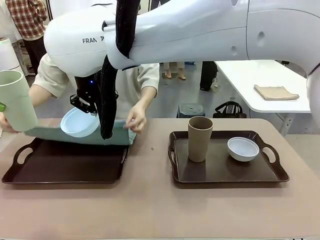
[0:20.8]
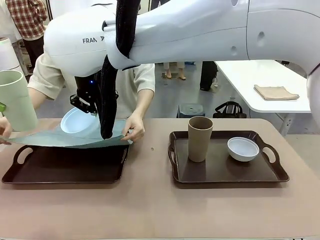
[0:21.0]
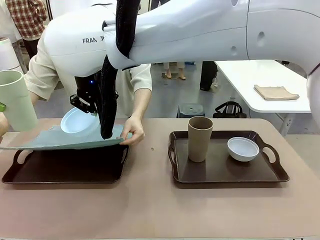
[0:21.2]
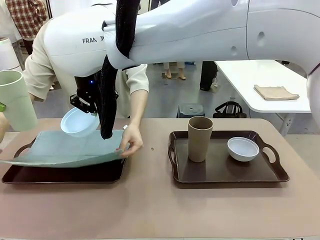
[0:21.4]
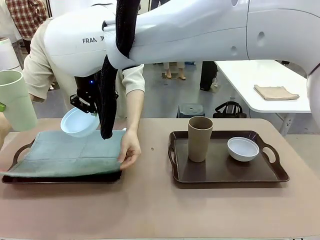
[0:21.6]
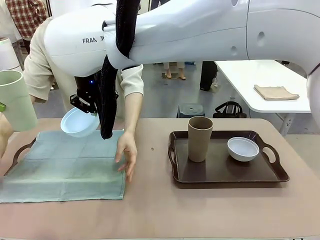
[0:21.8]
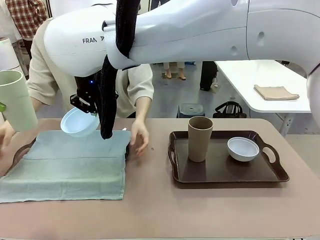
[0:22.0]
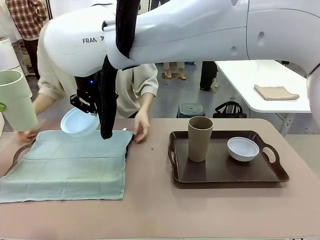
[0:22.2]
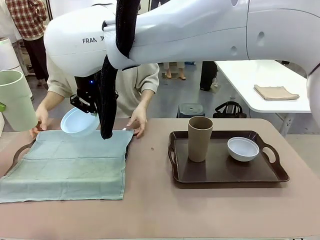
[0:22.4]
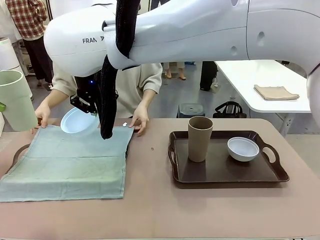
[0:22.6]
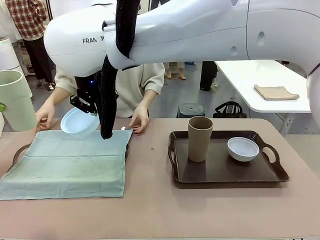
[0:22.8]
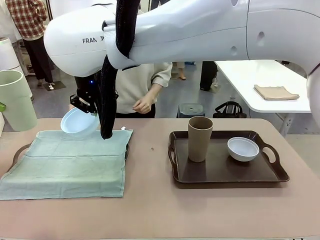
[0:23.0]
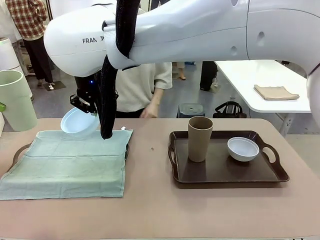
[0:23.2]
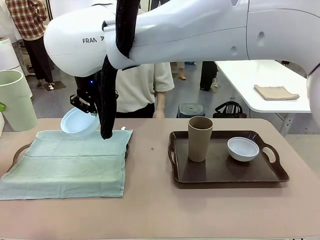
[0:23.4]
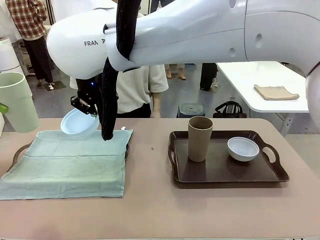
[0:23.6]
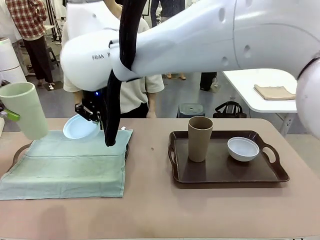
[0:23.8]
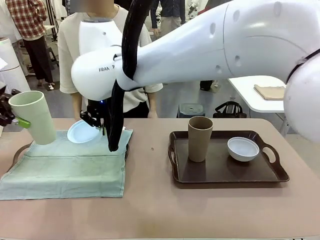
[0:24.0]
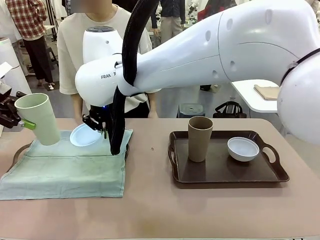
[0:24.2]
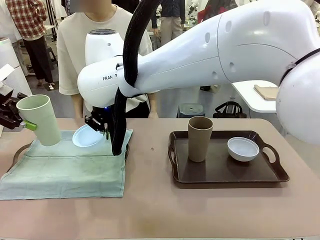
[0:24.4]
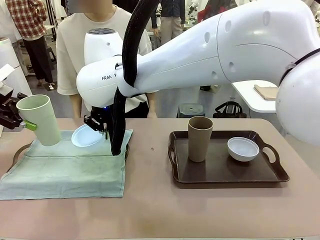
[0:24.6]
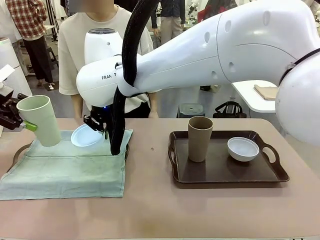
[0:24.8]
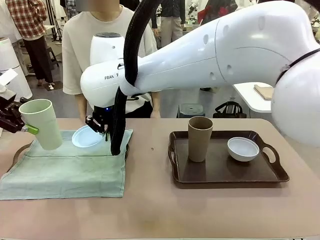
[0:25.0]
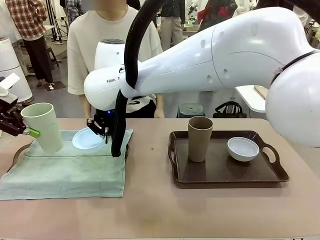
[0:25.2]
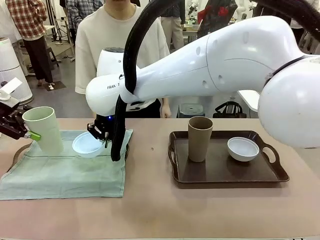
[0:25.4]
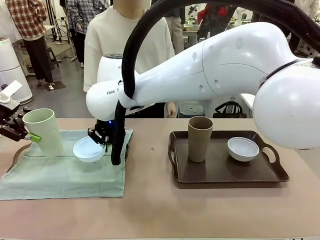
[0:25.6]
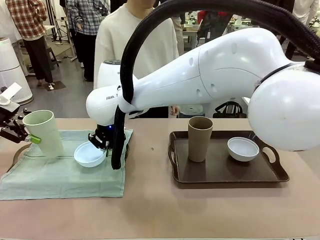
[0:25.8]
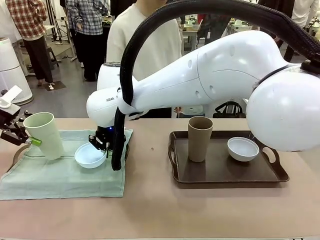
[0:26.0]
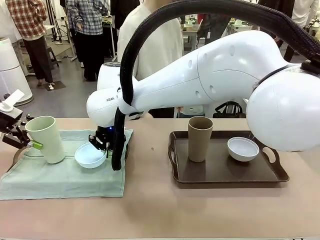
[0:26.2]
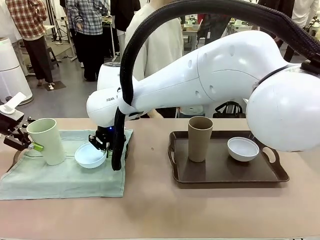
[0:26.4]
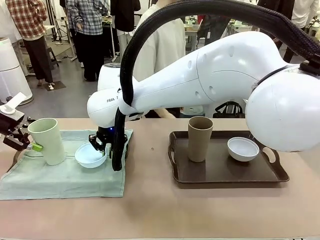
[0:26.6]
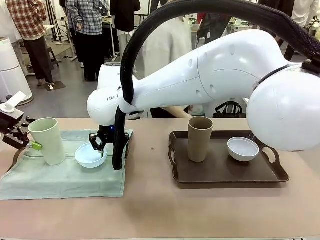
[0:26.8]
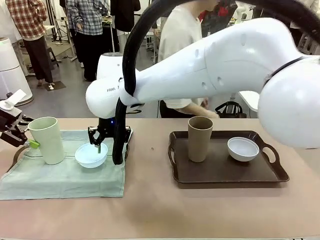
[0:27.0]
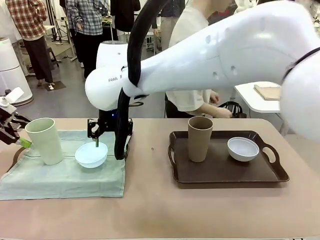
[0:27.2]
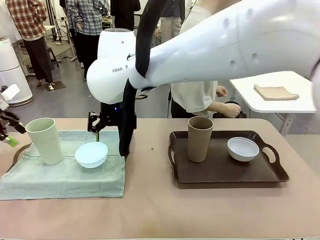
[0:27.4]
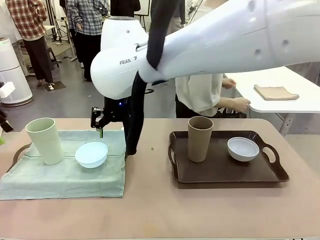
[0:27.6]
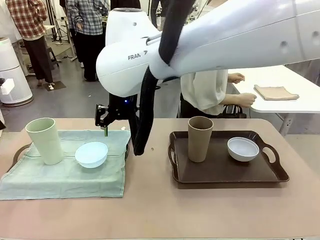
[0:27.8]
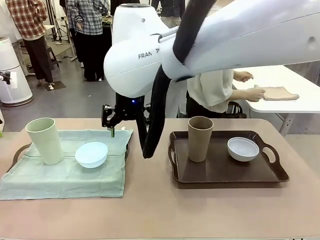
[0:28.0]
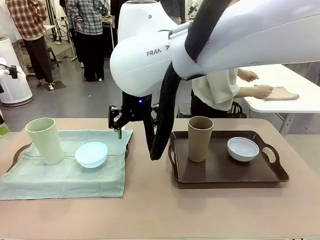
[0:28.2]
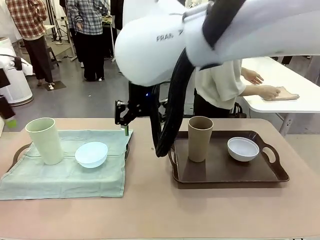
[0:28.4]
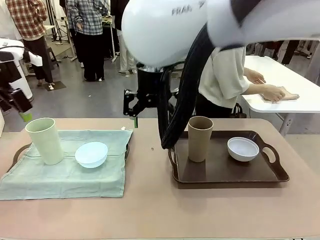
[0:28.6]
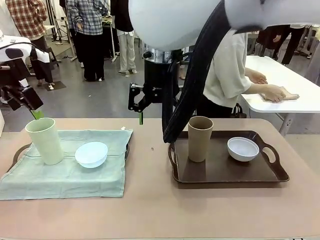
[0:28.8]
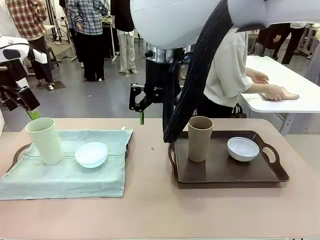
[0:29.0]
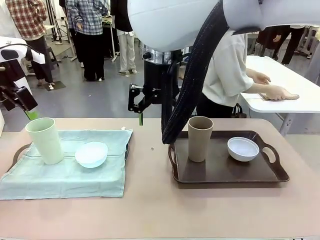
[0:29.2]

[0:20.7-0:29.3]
Robot: Place the Picnic Bowl and Reusable plastic cup back onto the Handle tray in front of the human's position.
Person: The human returns to the human table to pick up another napkin and walks to the robot table to stand in front of the tray without a napkin.

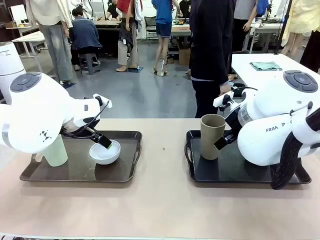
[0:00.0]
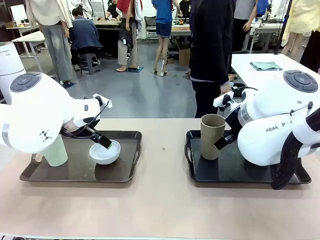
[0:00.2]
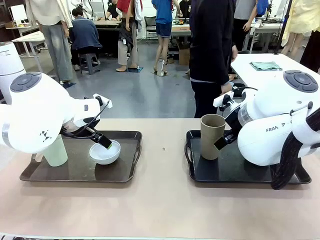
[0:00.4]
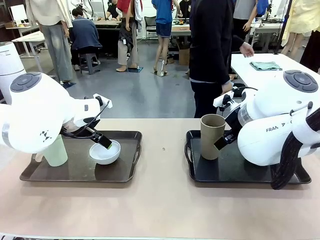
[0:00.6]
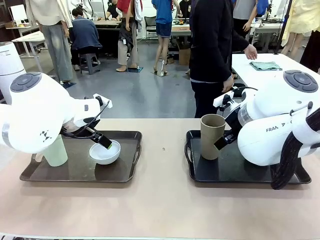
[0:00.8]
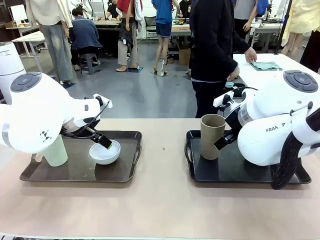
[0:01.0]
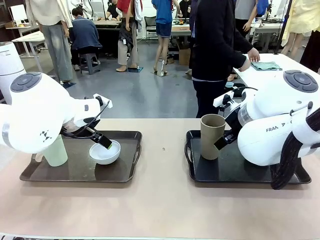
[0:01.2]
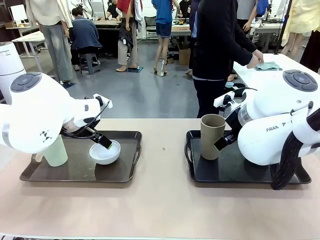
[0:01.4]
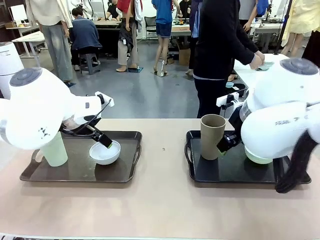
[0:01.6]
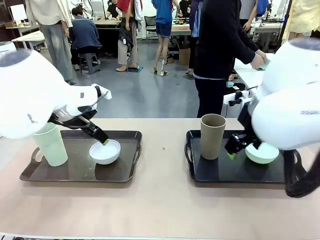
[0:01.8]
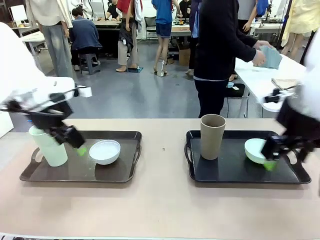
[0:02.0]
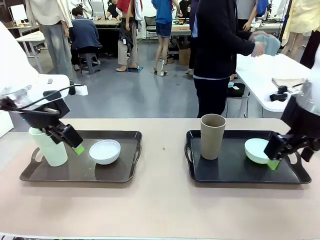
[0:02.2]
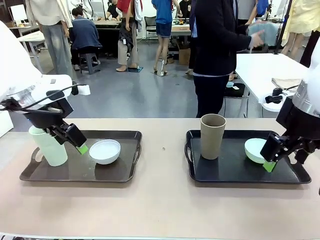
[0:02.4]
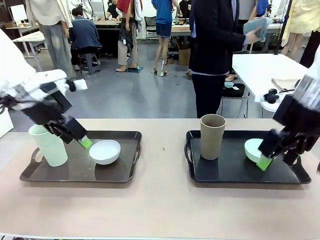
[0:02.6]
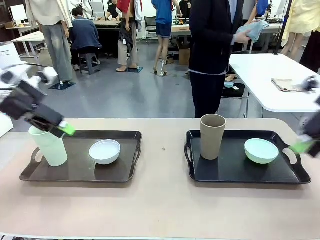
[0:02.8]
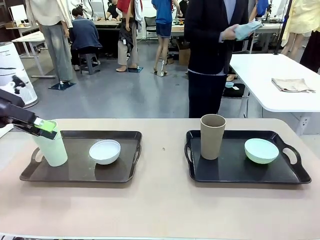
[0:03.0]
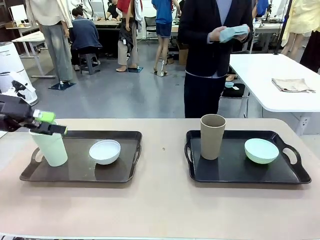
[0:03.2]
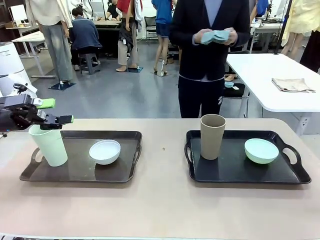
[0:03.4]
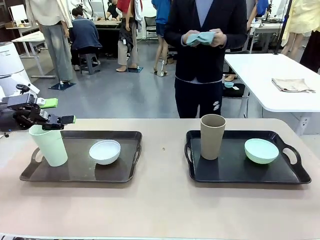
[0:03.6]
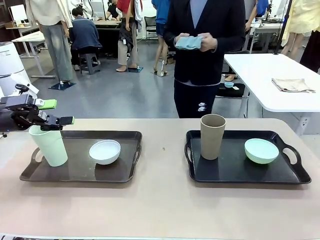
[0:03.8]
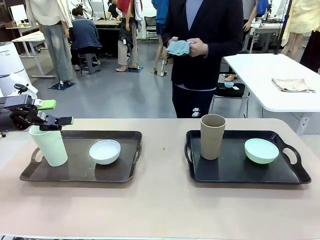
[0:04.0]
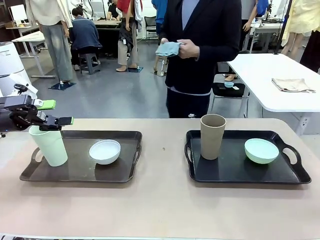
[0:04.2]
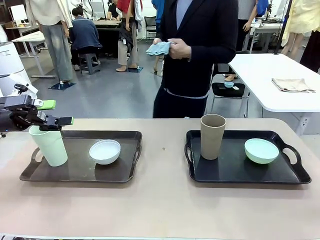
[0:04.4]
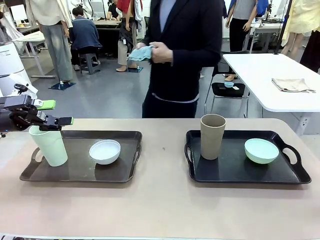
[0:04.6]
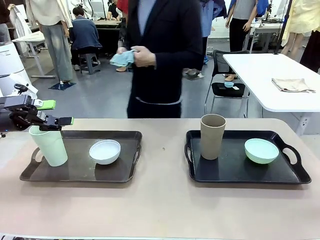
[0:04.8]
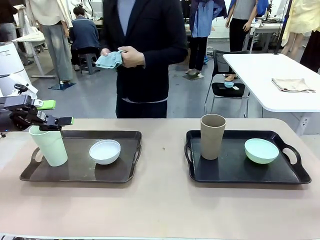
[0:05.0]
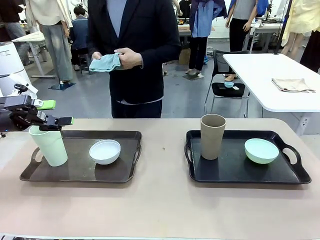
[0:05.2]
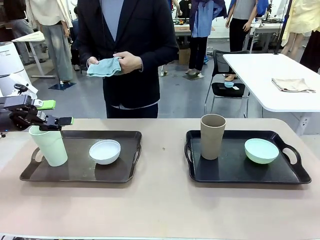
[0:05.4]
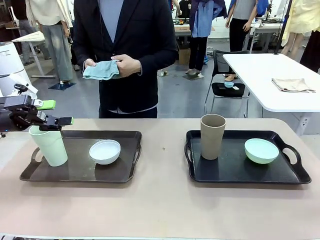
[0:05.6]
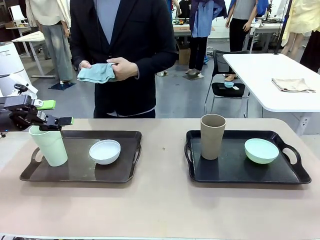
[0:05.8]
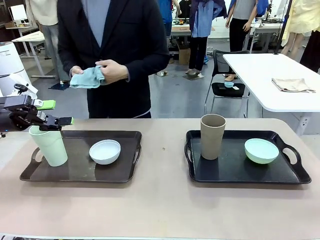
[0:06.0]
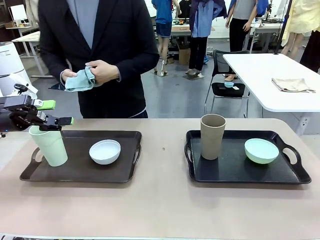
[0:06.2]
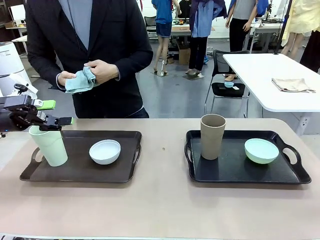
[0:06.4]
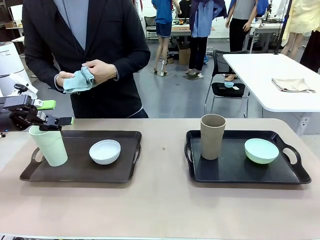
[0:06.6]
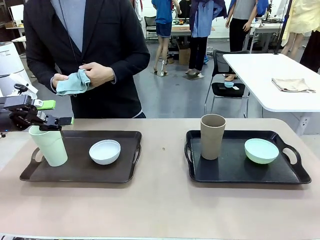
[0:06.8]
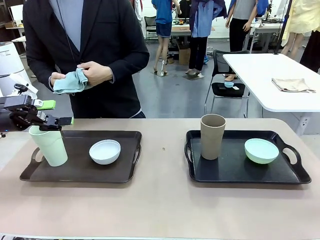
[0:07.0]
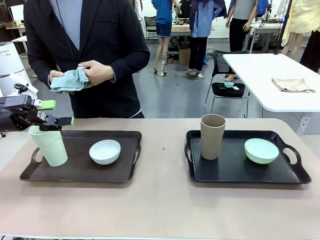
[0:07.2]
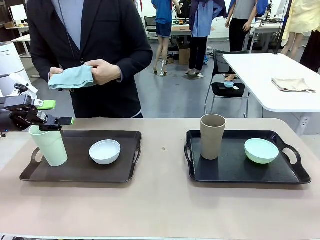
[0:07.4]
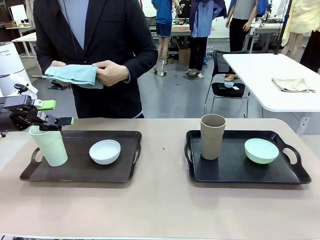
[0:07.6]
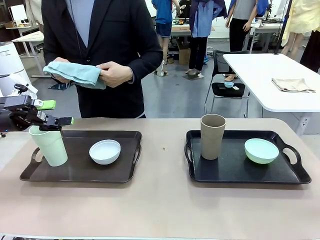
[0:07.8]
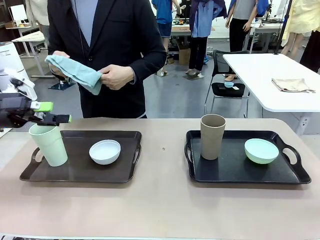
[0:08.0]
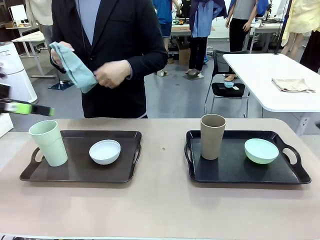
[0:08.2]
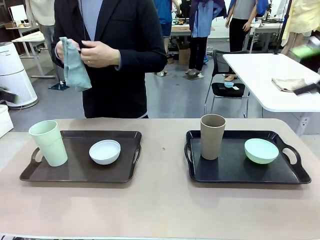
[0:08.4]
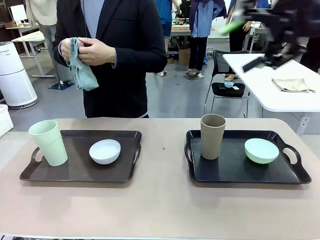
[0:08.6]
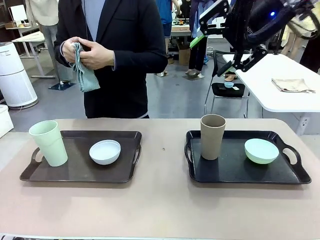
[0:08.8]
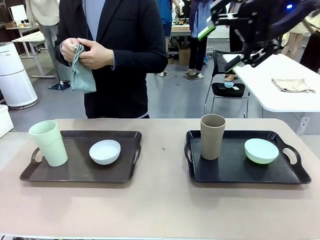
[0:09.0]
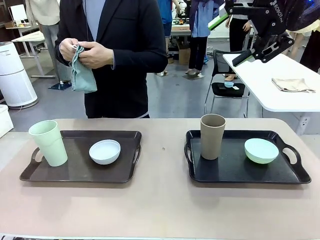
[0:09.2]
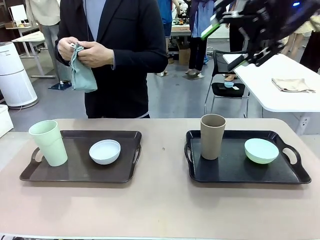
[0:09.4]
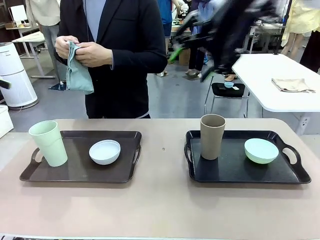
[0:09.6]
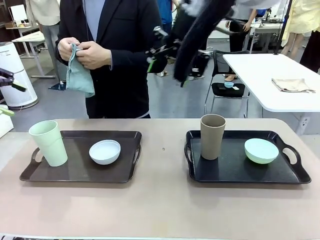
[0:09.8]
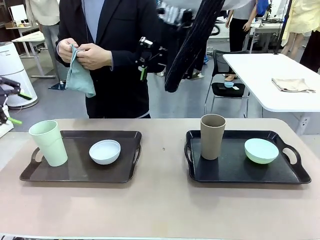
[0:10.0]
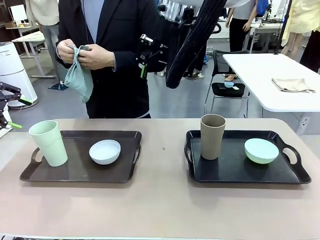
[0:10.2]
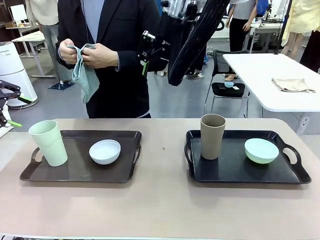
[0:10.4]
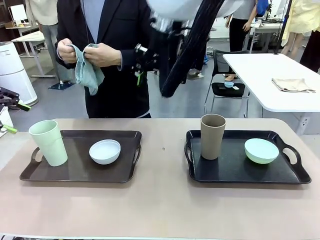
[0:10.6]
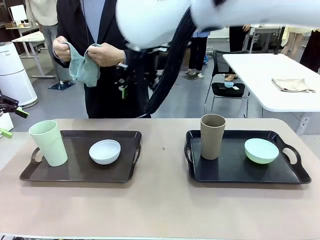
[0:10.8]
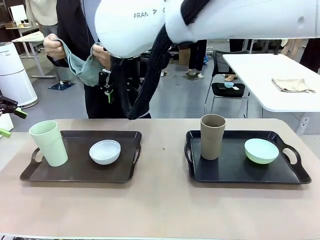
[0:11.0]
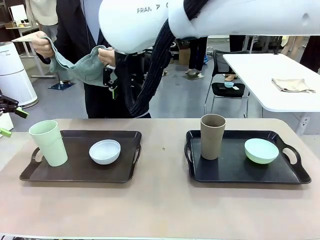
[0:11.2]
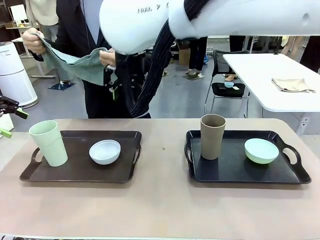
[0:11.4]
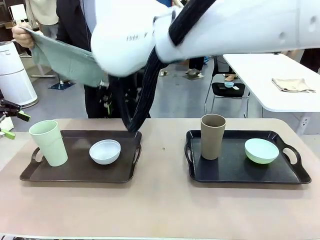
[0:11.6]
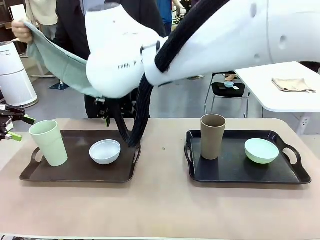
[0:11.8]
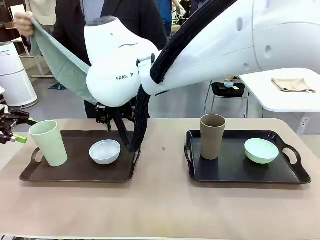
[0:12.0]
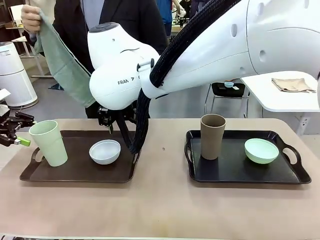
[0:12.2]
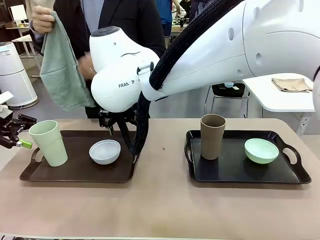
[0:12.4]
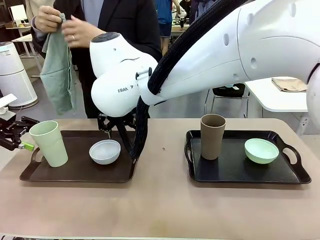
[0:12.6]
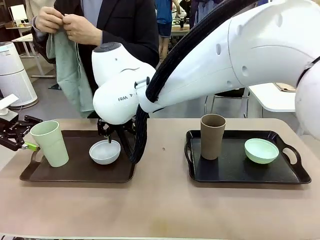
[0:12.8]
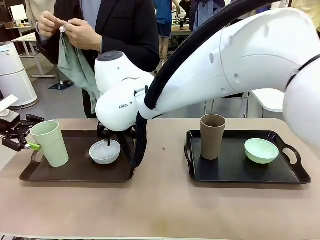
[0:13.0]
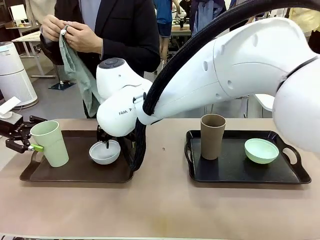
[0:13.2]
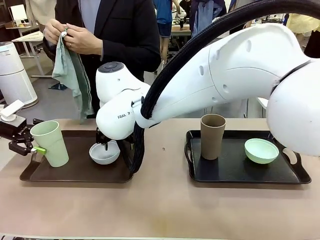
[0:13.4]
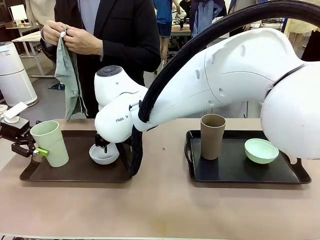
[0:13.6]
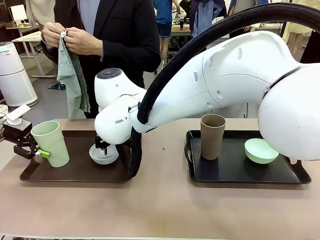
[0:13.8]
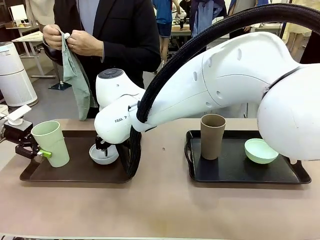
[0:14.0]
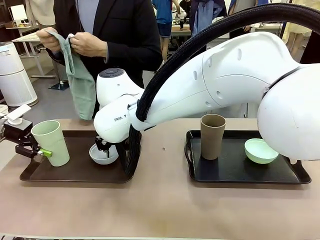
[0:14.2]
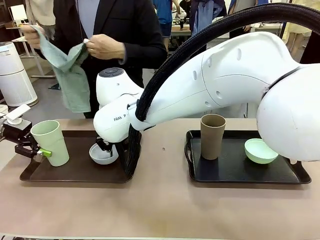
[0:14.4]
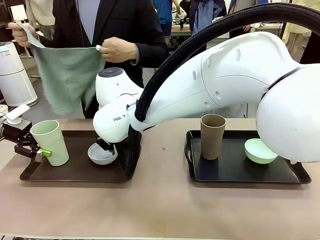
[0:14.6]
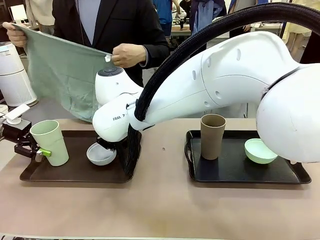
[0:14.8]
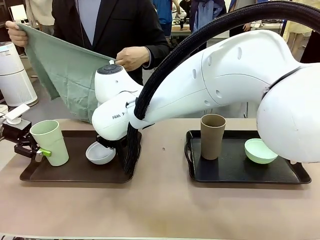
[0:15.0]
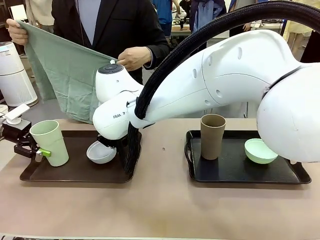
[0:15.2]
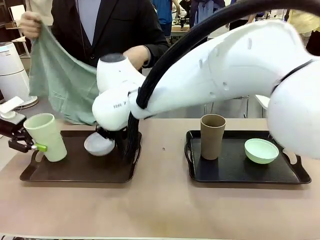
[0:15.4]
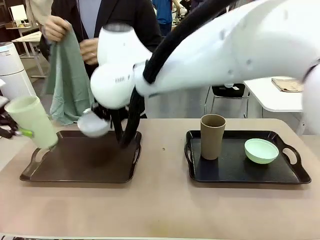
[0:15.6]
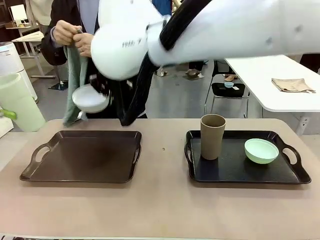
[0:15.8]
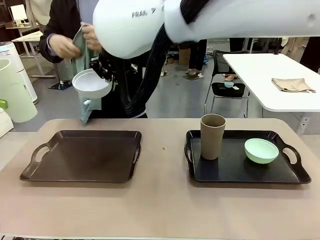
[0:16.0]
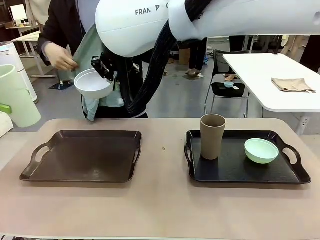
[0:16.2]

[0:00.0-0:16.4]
Robot: Pick up the Picnic Bowl and Reusable plastic cup from the Handle tray in front of the human's position and hold them in the air.
Person: The human picks up the top napkin from the stack on the human table and walks to the robot table to stand in front of one of the two trays. When the robot lifts the bowl and the cup, the human unfolds the napkin and lays the napkin flat on the tray.
